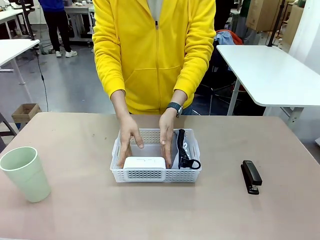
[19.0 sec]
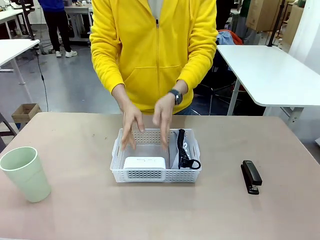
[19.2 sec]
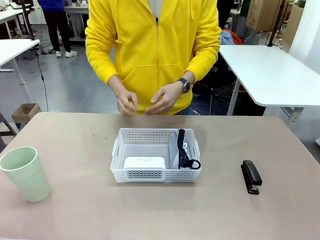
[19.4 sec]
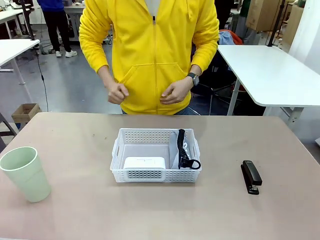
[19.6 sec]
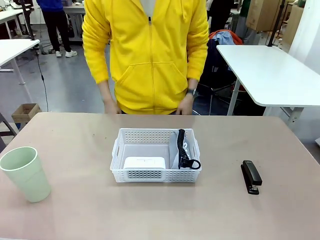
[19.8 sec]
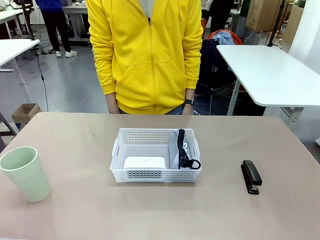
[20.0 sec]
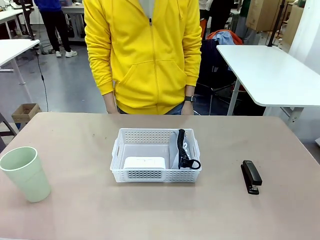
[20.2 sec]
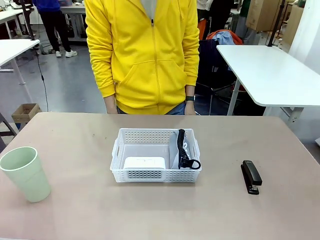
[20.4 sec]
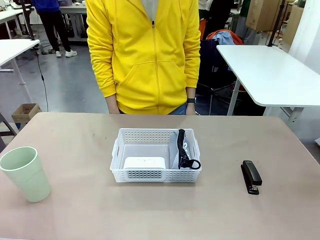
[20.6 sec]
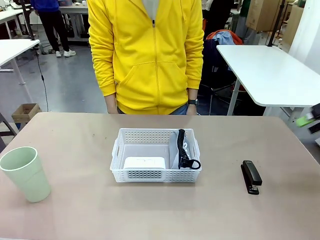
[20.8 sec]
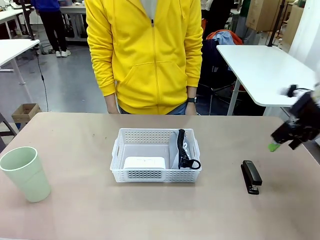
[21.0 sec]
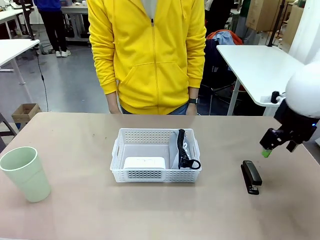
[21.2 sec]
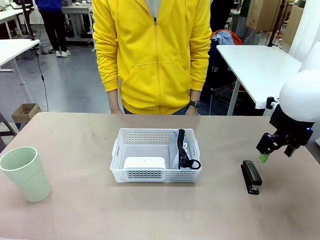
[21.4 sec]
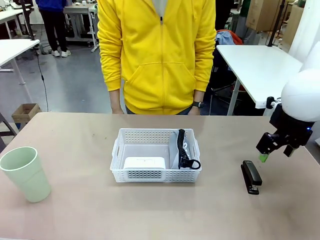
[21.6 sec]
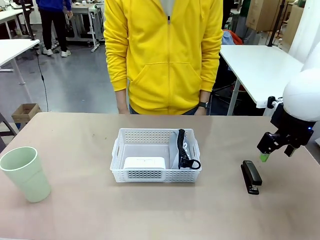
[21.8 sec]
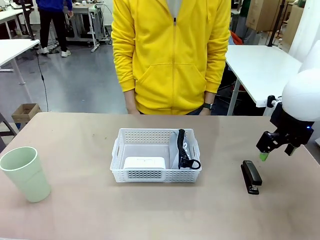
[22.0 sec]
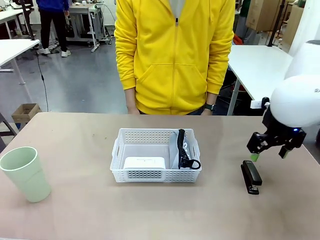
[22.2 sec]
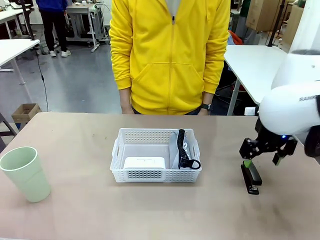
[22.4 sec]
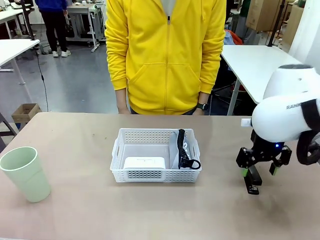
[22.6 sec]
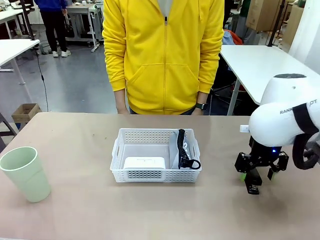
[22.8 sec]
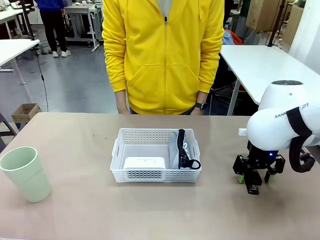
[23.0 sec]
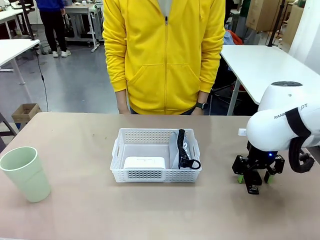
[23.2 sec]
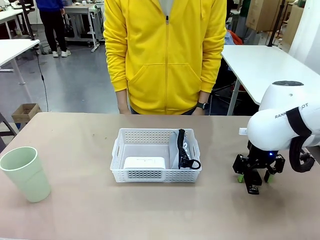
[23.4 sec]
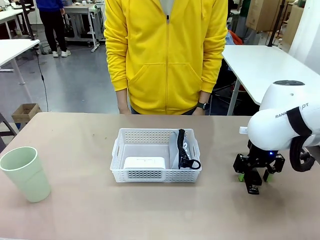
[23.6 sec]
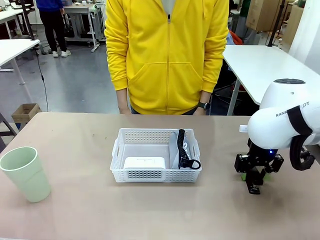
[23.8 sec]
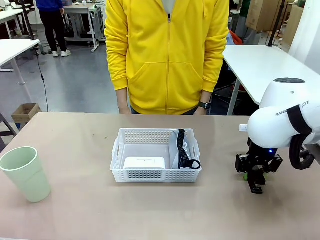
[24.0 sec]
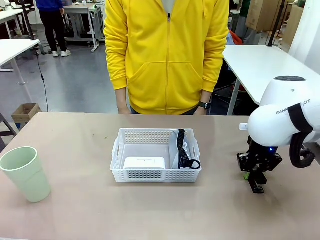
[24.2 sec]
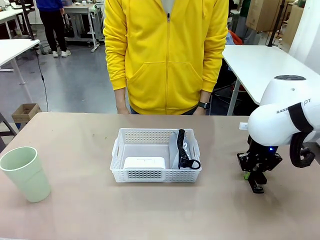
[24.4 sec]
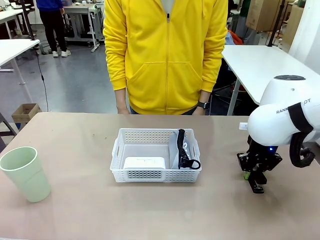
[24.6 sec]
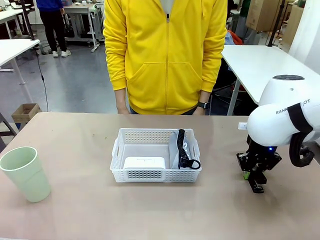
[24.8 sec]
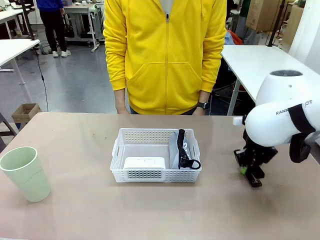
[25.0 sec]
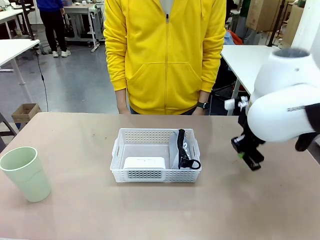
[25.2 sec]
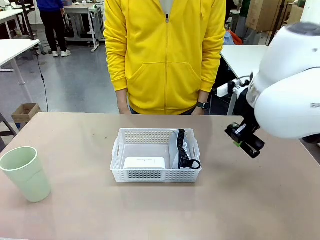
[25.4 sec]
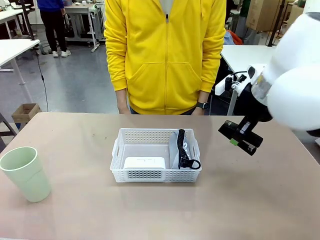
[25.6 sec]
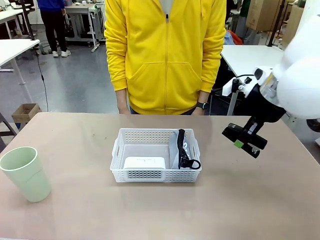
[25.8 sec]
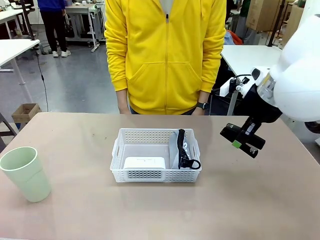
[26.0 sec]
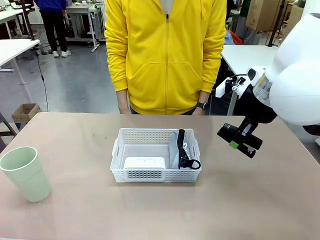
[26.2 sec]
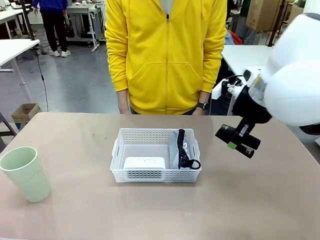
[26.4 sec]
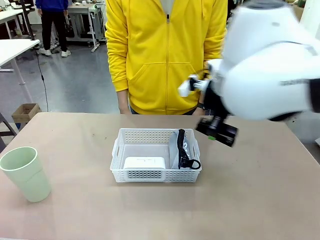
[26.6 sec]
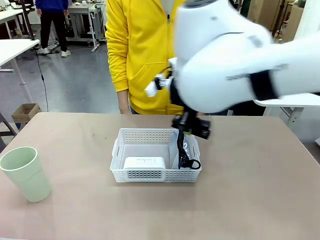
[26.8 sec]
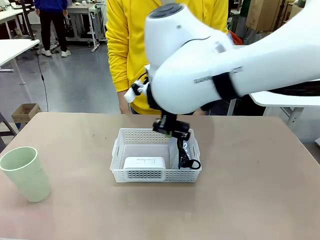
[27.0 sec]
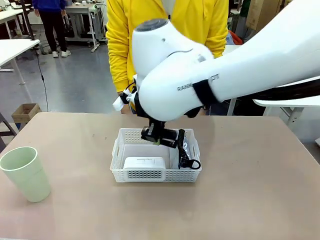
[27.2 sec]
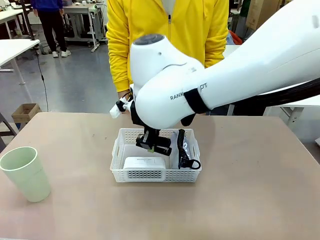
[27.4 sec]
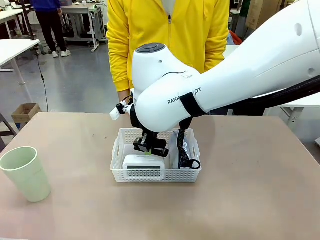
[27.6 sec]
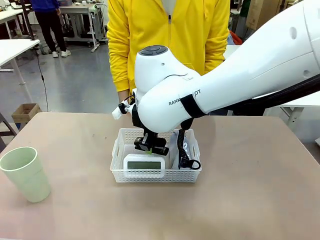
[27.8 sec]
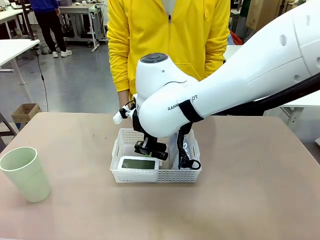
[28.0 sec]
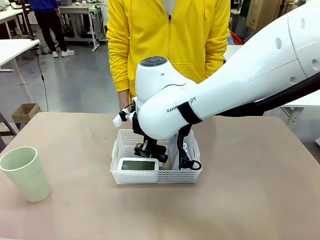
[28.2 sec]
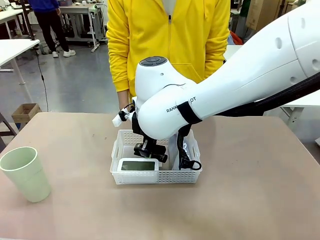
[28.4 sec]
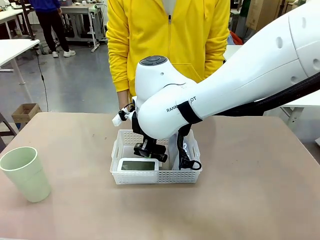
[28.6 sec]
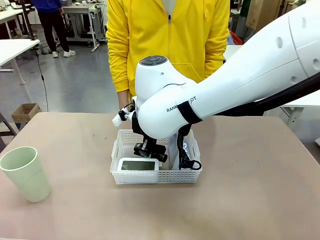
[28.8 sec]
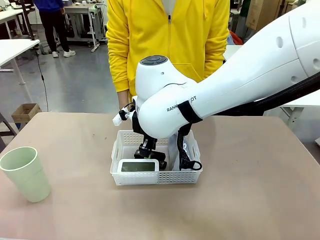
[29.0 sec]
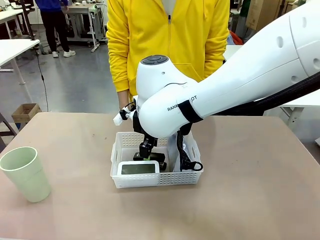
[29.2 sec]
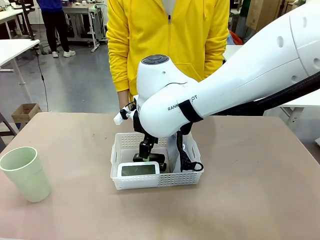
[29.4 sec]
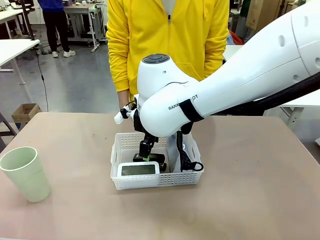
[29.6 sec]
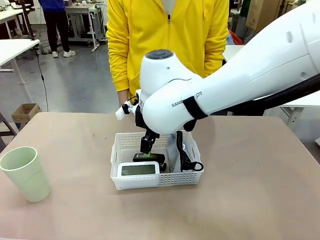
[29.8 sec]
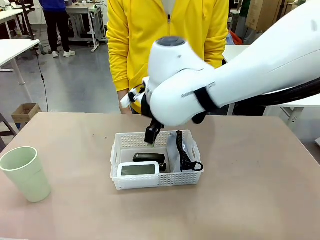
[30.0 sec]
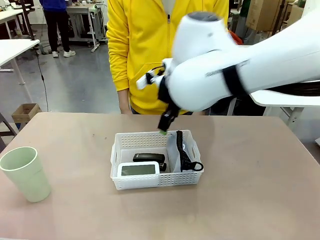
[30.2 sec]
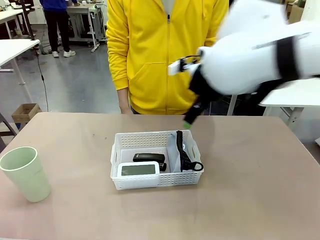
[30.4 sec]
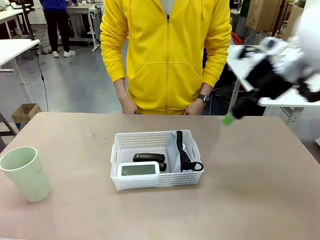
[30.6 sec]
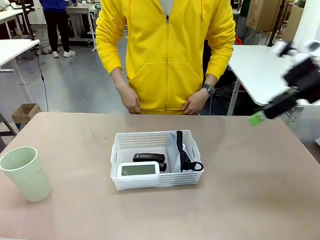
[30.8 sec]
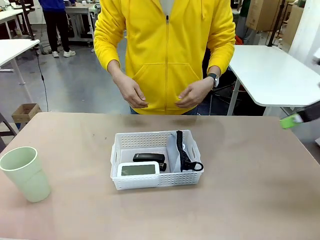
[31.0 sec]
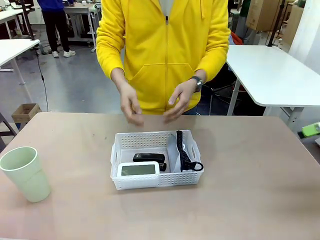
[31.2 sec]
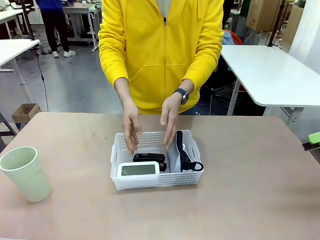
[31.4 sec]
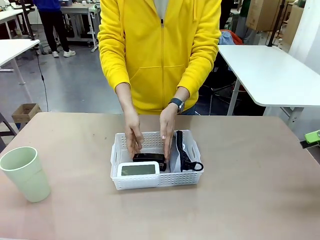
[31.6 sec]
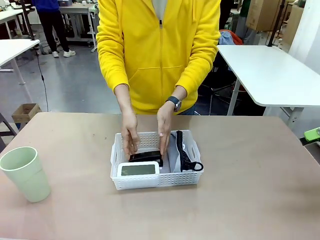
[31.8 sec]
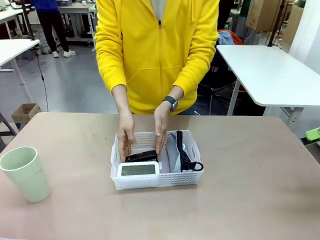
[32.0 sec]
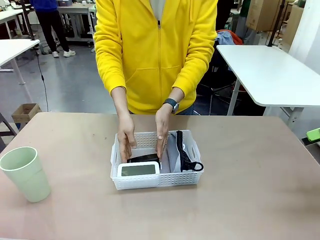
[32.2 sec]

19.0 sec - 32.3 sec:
Task: Efficiently arrange items inside the basket to fit them all.
Robot: Pick up the Stapler and place it inside the Organizing basket.
